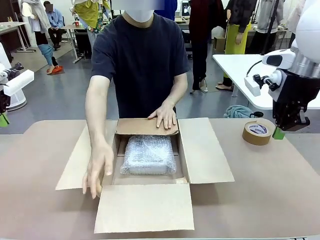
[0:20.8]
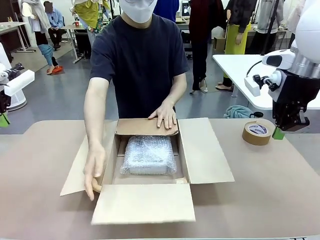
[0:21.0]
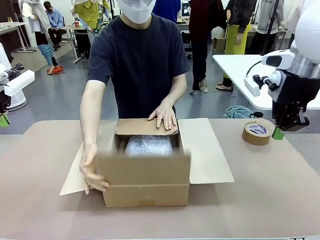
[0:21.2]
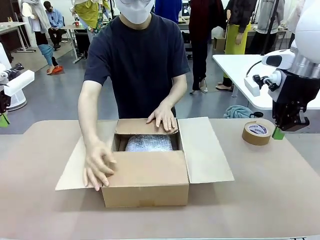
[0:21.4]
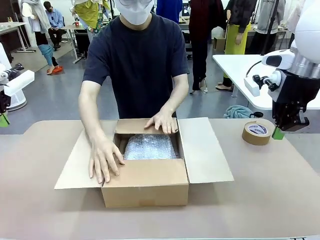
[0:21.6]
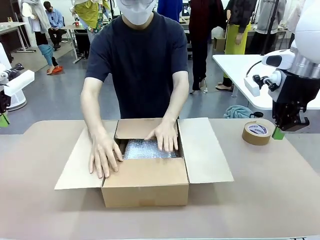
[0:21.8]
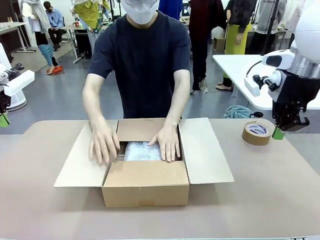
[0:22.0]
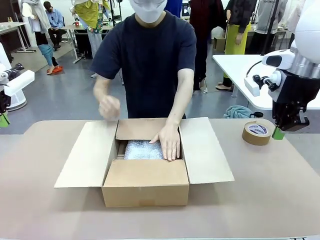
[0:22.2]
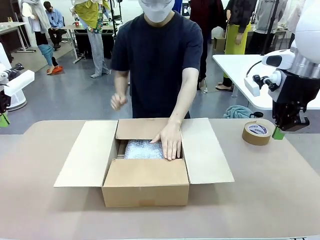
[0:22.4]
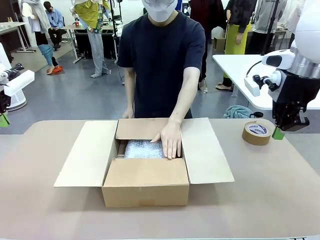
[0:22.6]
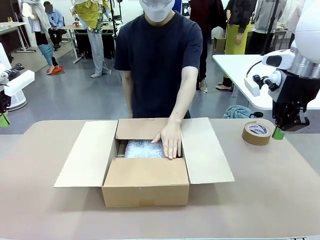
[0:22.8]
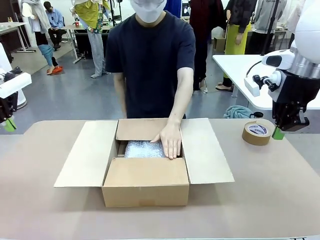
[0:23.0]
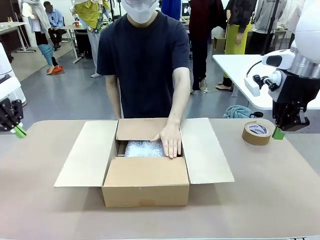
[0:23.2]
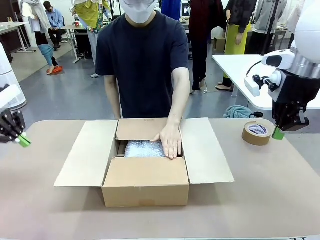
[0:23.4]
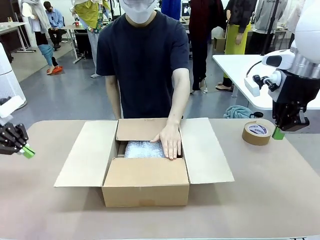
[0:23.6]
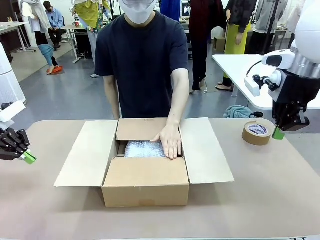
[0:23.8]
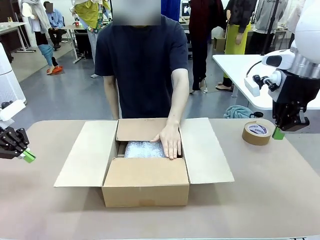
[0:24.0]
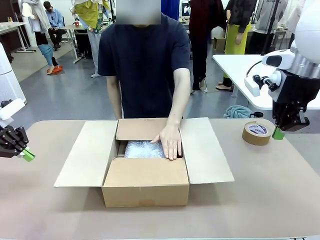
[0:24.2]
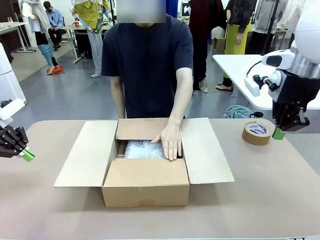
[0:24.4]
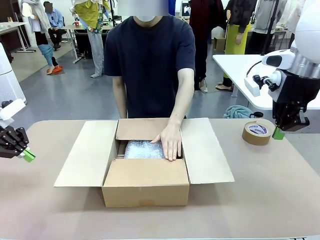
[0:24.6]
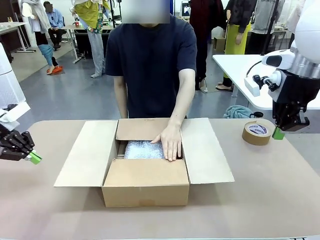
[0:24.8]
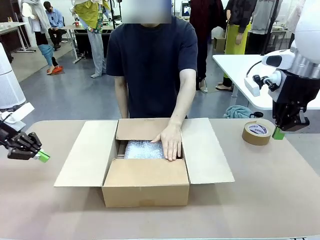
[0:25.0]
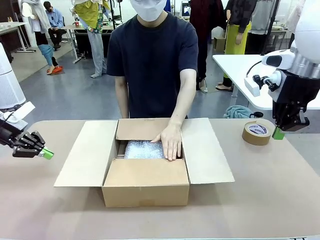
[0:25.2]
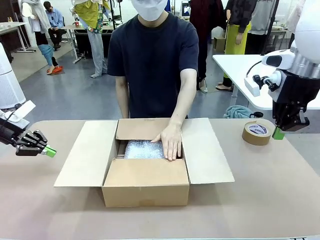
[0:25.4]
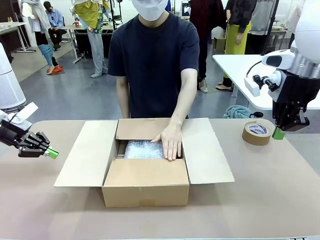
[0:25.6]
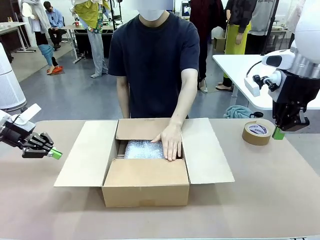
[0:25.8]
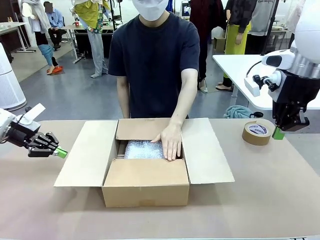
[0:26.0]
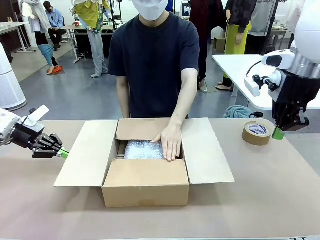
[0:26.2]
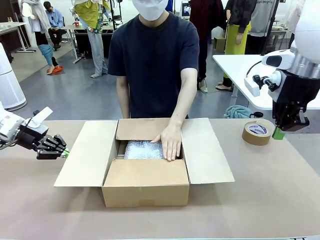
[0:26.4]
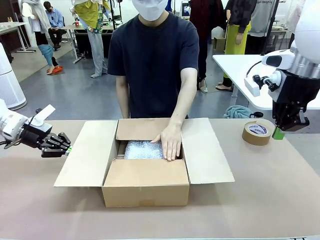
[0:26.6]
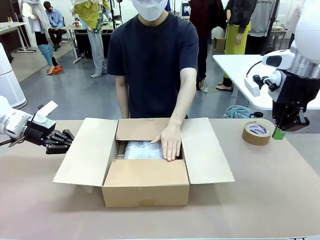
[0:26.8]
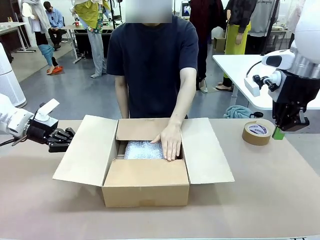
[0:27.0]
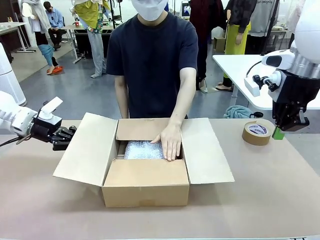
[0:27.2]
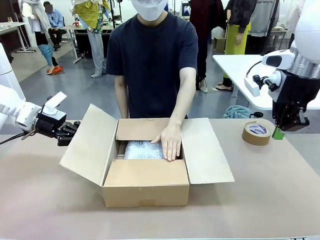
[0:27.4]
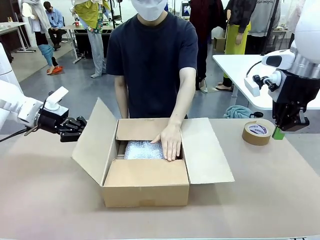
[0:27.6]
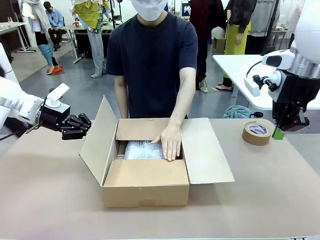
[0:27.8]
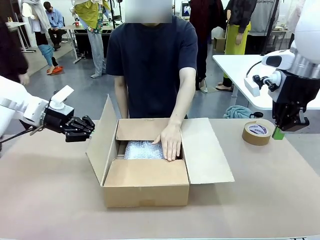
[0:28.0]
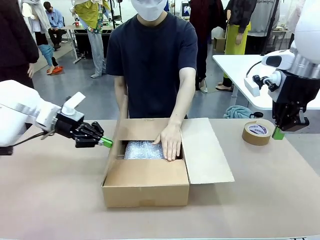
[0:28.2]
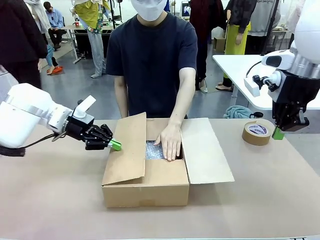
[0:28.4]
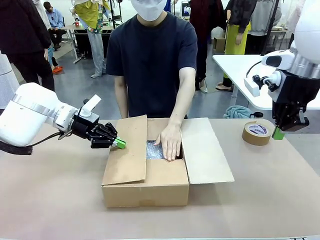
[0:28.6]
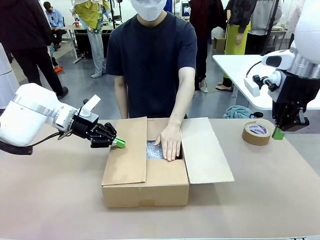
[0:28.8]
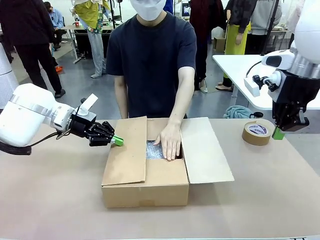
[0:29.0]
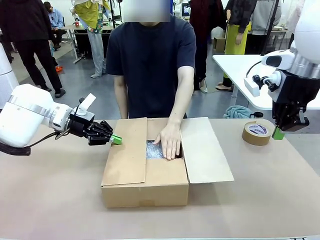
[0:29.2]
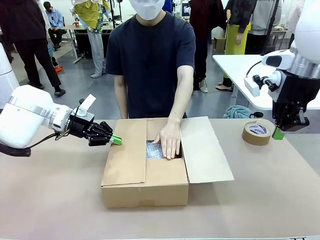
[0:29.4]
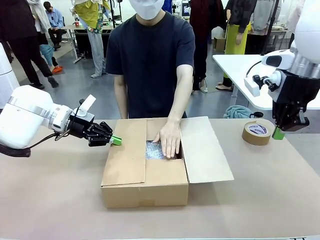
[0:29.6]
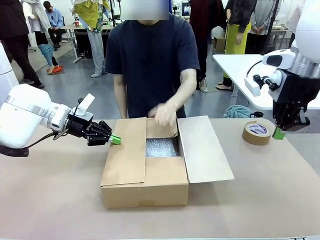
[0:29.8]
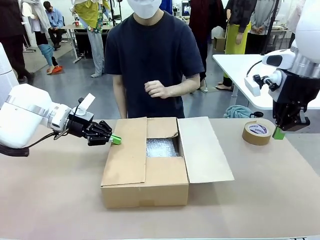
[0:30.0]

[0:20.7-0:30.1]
Task: Wrap the clocks to prevent damage.
Robot: Push the right (or left) flap of the Package Box to close it.
Person: Once the robot closes the right flap of the Package Box , release your left hand from the box.

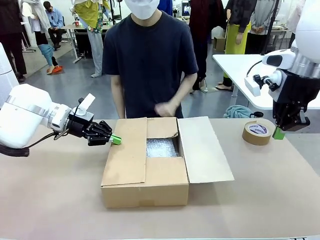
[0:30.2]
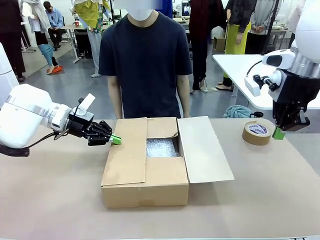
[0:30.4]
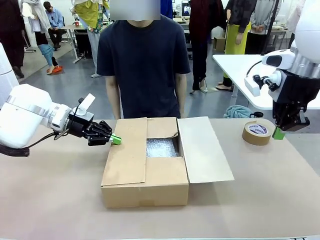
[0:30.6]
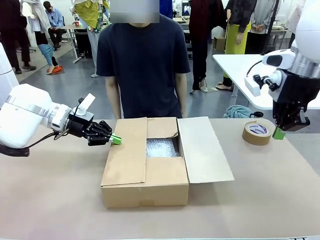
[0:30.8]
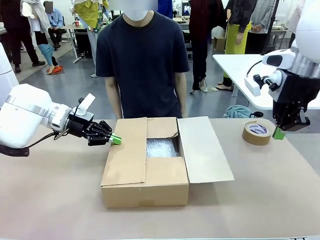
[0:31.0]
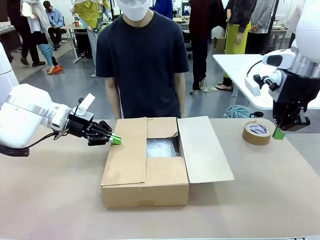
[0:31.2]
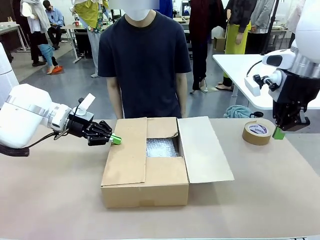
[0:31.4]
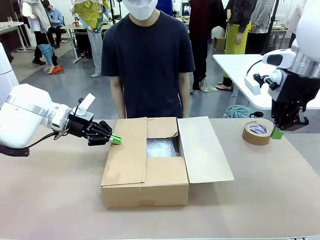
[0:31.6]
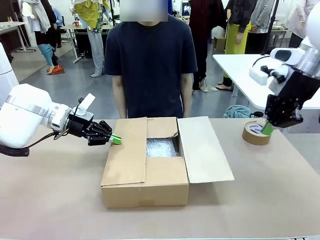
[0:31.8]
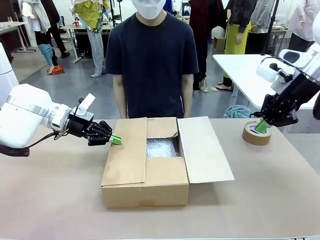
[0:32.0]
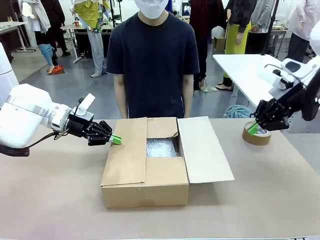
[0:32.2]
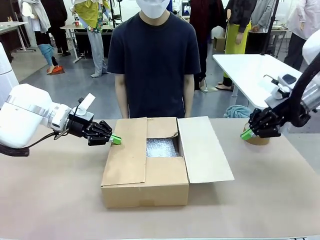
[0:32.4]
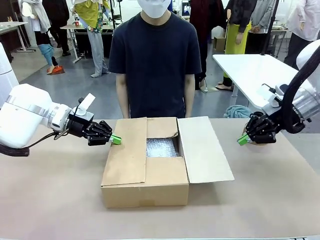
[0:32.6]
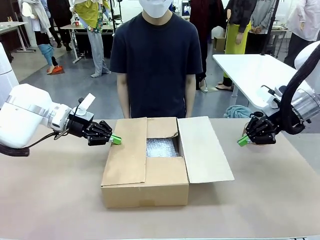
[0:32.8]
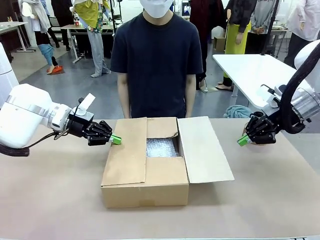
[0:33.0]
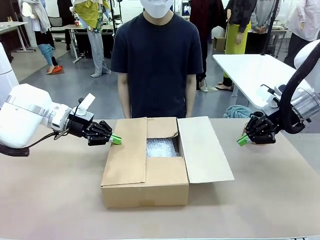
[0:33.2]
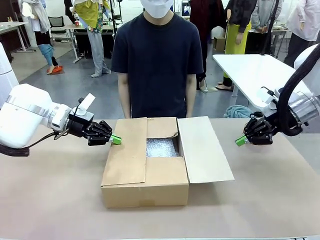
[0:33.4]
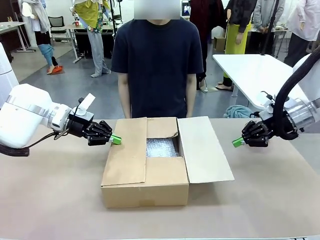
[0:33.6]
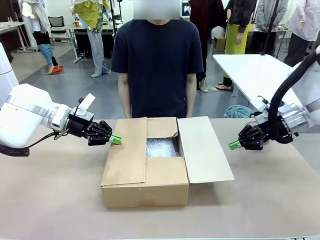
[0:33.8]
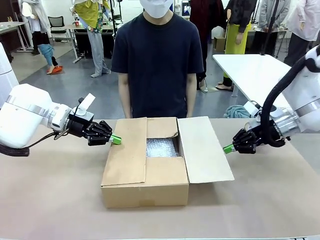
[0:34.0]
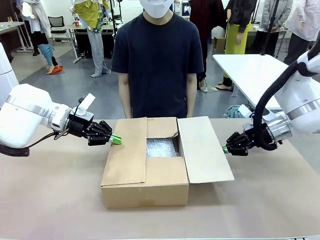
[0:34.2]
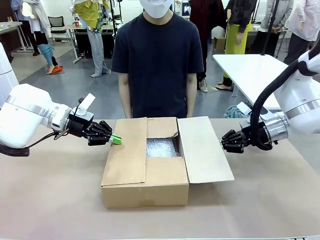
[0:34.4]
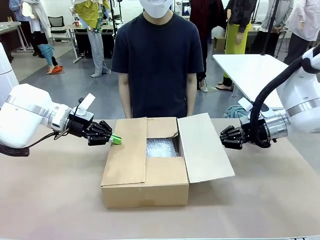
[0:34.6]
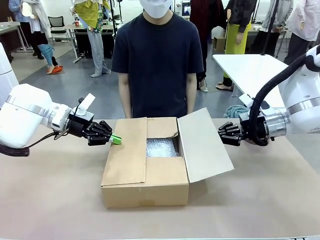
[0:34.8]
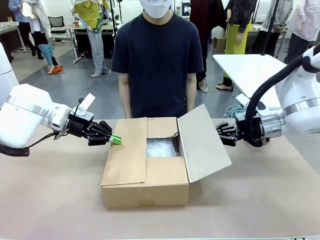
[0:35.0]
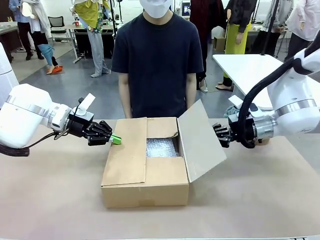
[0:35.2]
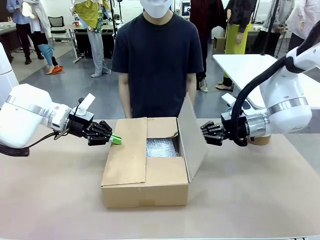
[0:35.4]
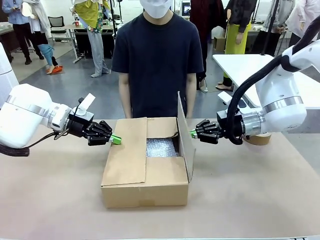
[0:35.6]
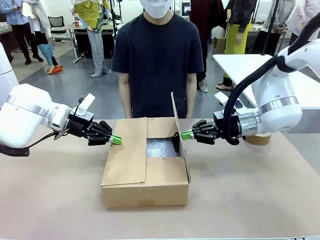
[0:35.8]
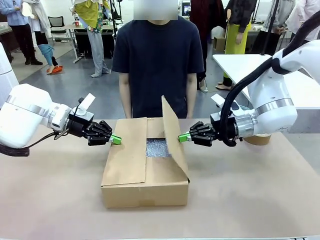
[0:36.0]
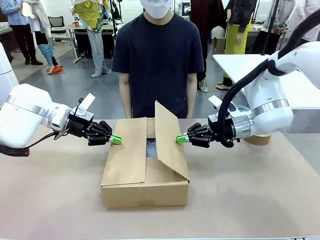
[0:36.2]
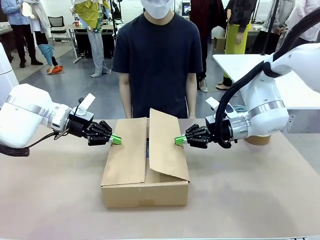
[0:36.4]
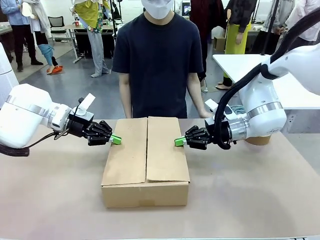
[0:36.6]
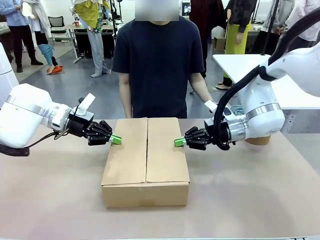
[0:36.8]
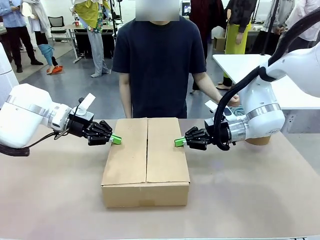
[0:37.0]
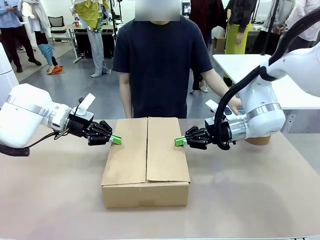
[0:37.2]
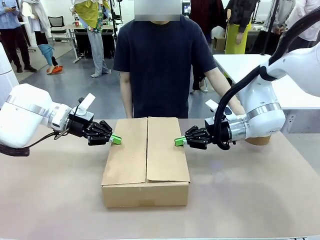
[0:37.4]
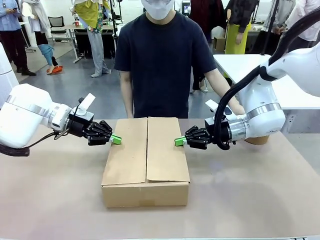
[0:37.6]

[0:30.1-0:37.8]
Robot: Push the left (or right) flap of the Package Box to close it.
